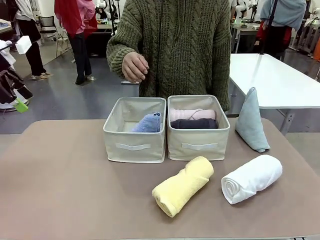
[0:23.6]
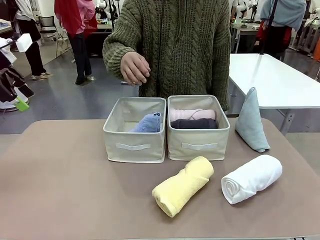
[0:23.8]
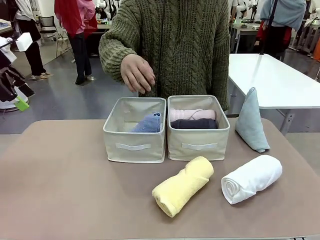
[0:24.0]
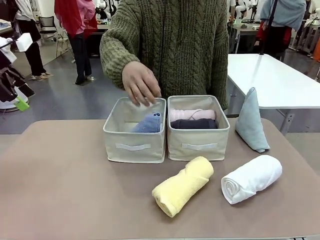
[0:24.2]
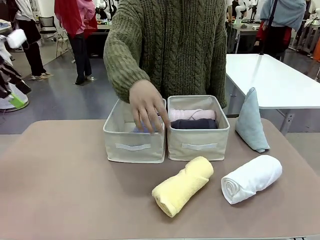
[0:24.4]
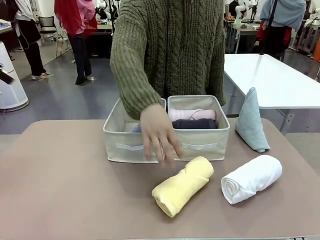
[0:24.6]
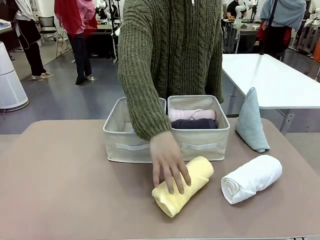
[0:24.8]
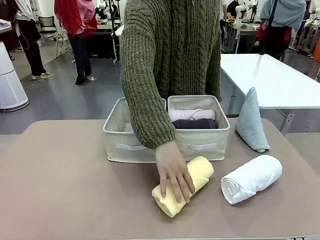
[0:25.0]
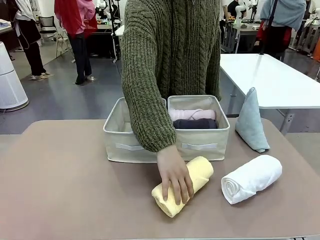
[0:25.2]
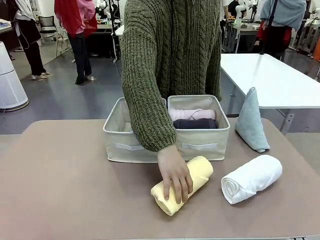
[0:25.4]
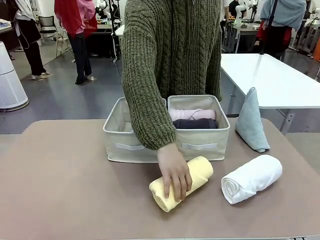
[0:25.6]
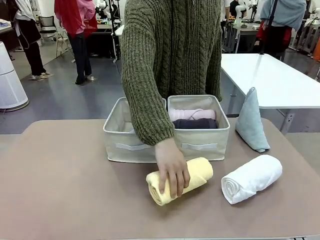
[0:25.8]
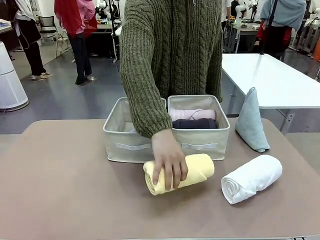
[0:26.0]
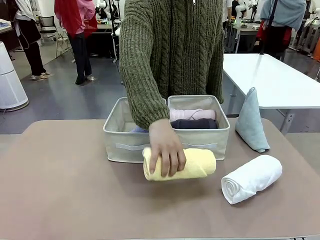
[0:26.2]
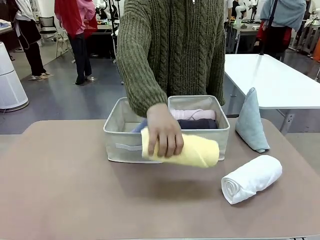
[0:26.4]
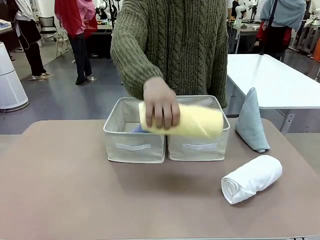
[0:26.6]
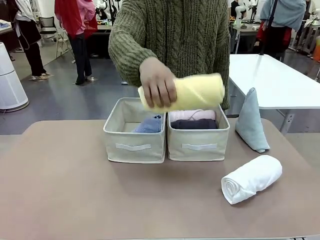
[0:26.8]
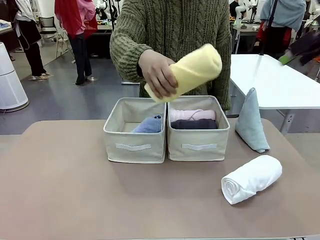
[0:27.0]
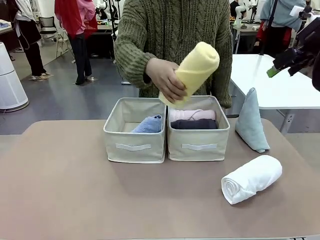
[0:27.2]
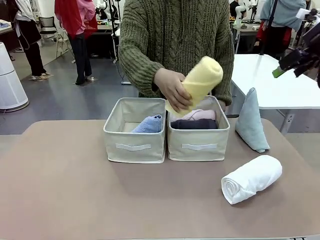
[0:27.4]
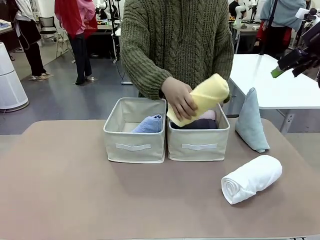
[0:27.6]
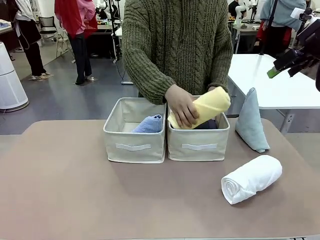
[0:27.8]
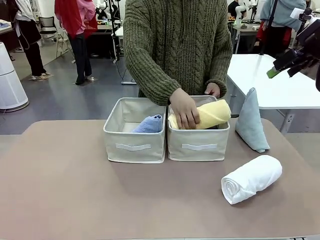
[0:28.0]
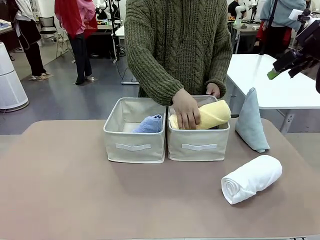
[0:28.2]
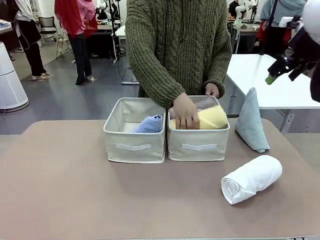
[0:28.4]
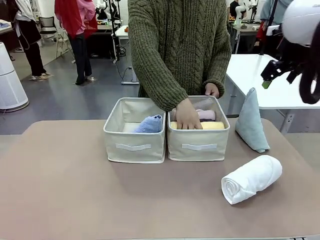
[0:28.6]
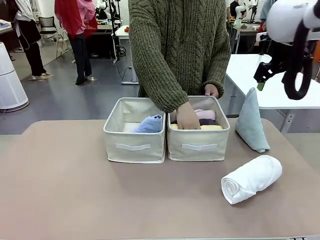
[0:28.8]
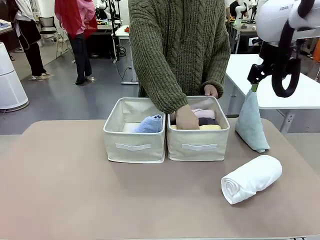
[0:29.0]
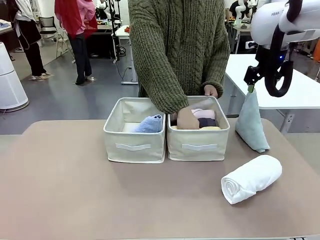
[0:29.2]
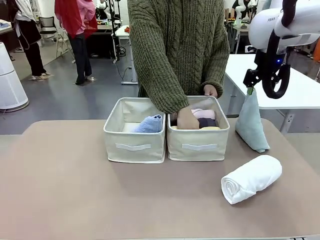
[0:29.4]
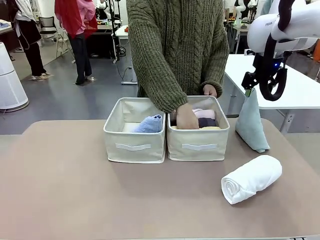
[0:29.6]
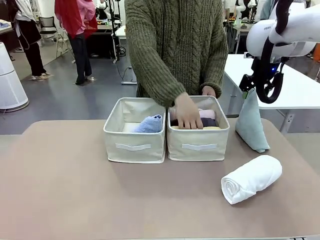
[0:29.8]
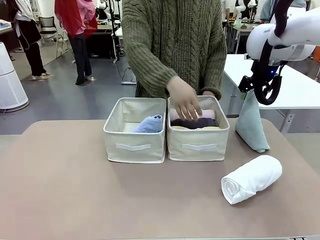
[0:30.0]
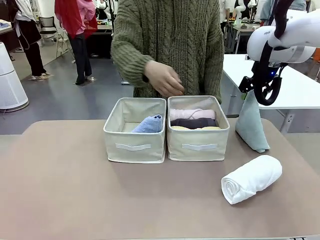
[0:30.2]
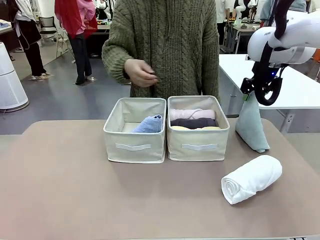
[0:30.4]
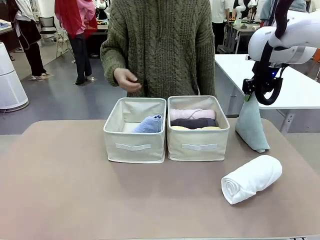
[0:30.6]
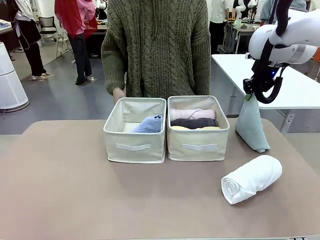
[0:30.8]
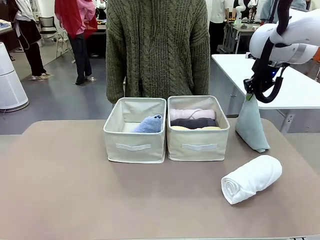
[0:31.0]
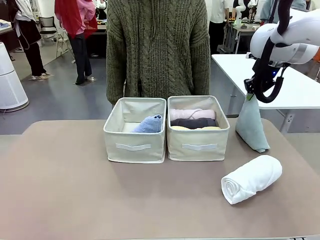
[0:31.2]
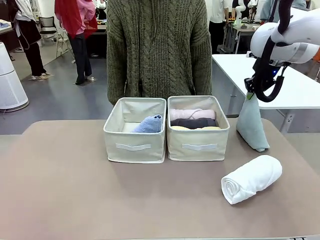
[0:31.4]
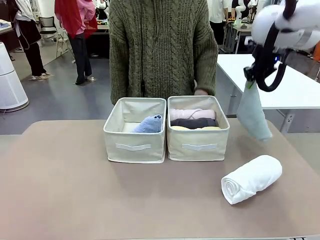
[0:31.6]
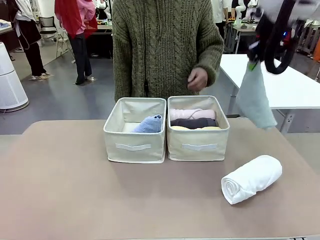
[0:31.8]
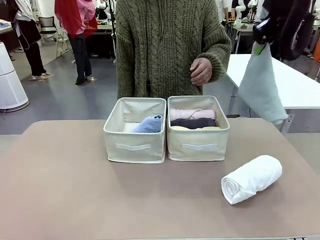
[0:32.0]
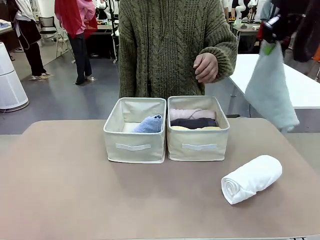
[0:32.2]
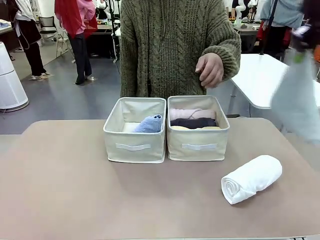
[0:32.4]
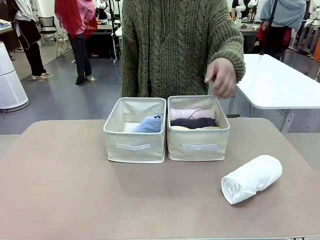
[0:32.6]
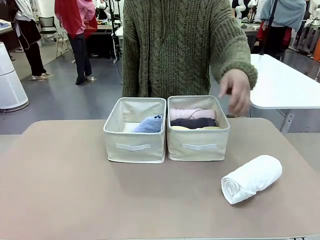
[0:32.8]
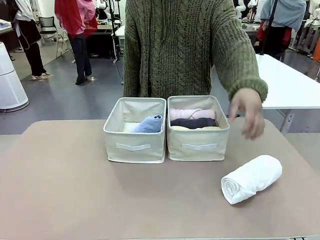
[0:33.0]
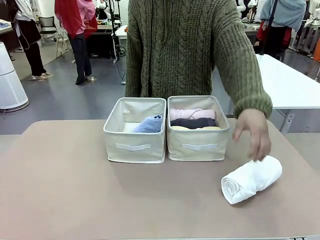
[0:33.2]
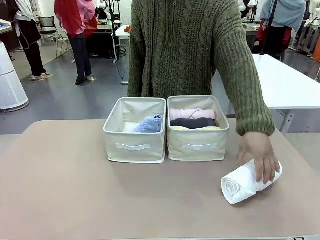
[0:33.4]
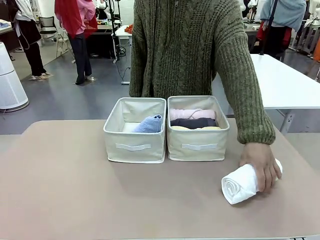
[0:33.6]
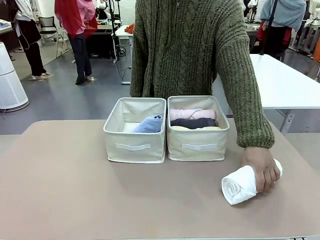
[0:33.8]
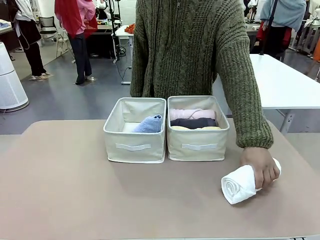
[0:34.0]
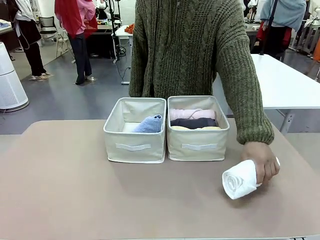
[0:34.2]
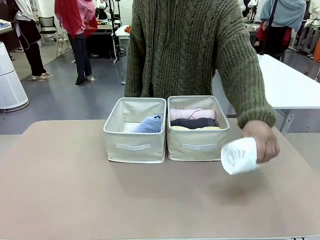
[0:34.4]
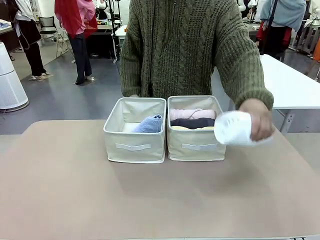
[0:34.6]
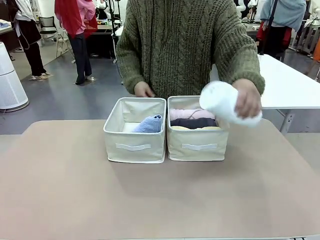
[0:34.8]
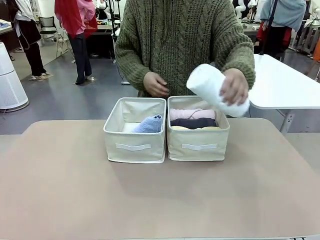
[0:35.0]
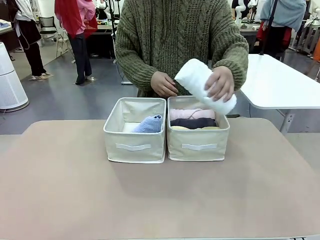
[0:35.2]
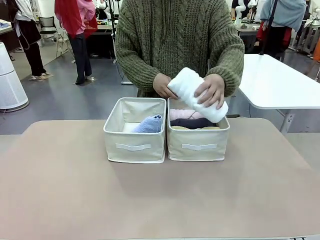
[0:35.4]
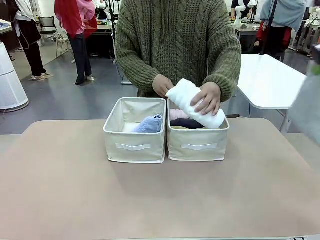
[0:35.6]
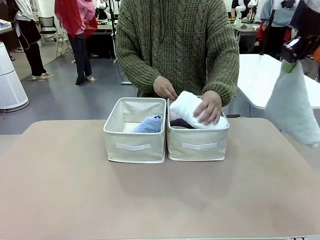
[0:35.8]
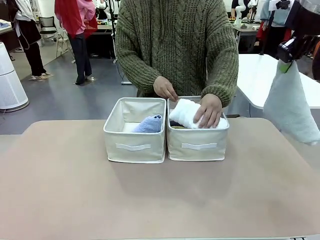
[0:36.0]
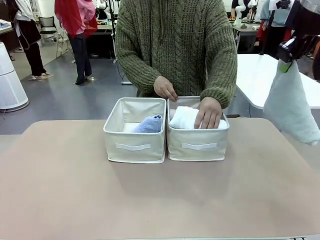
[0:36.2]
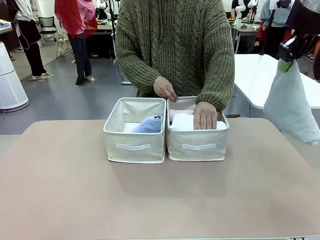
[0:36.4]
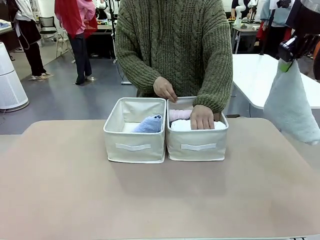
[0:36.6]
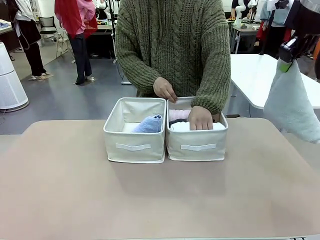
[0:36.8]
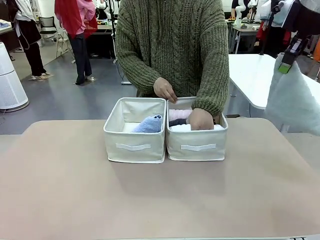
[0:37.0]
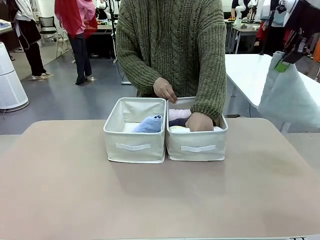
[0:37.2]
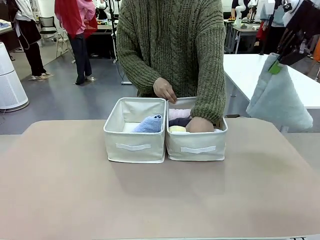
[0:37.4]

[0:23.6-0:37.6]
Task: Sort the towels based on their folding style.
Robot: Pick up another triangle-folded towel from the table and place it in the left Fabric basket.
